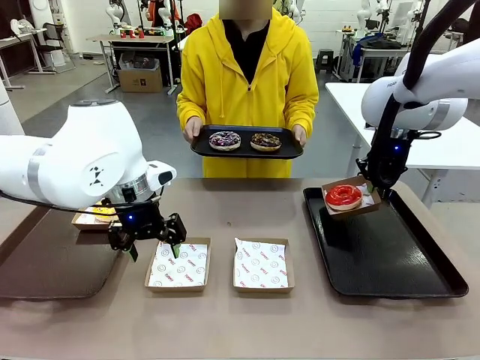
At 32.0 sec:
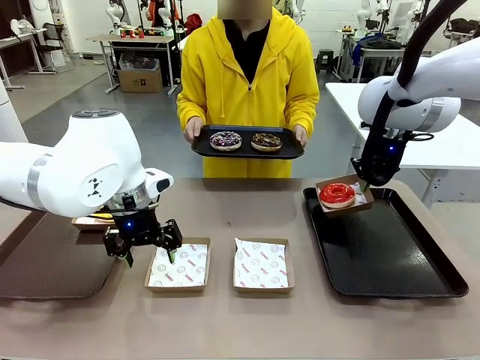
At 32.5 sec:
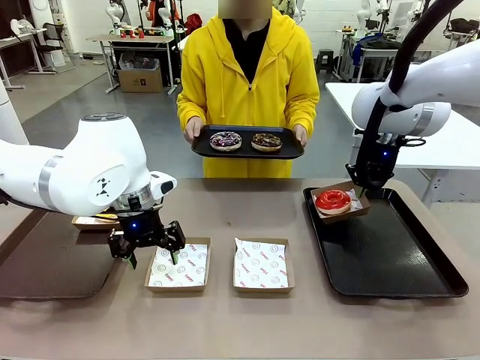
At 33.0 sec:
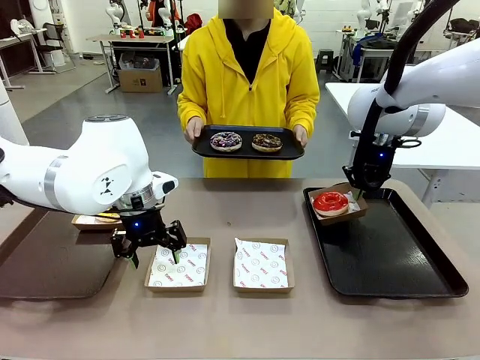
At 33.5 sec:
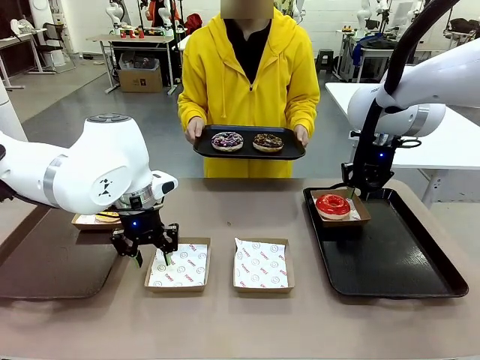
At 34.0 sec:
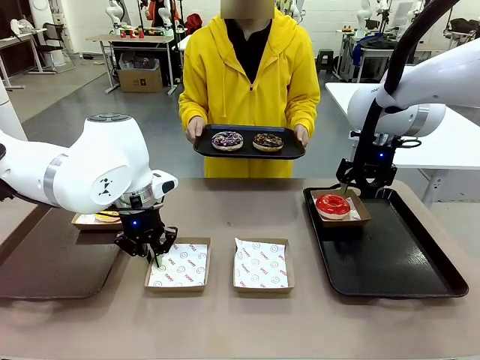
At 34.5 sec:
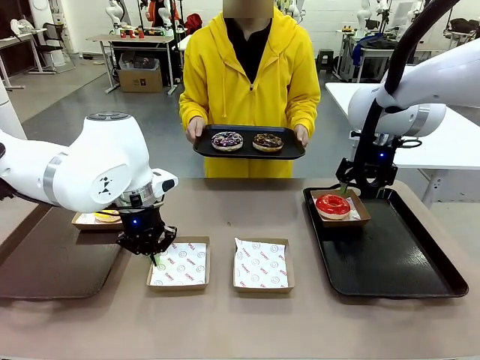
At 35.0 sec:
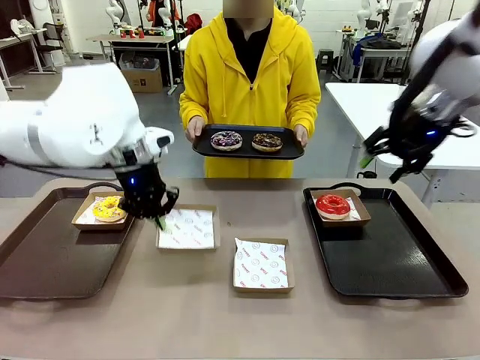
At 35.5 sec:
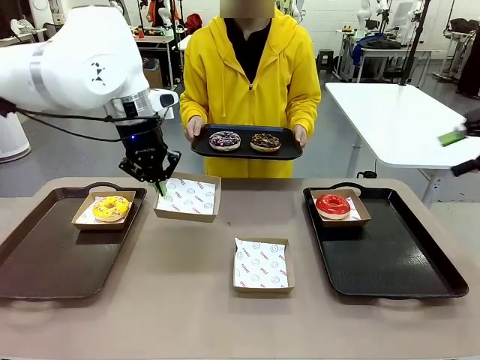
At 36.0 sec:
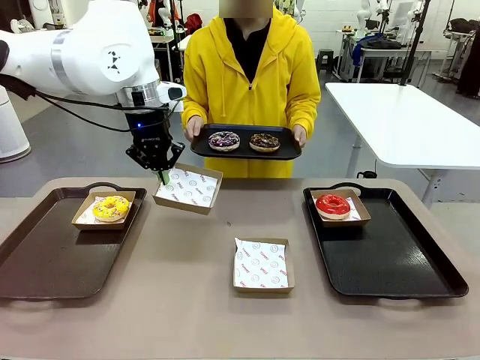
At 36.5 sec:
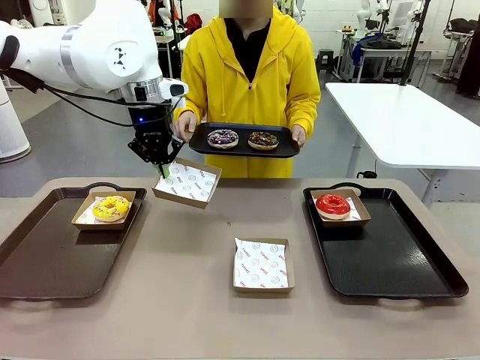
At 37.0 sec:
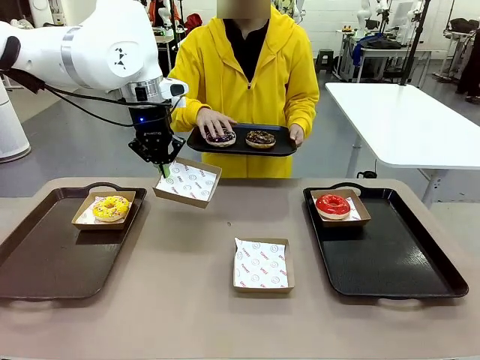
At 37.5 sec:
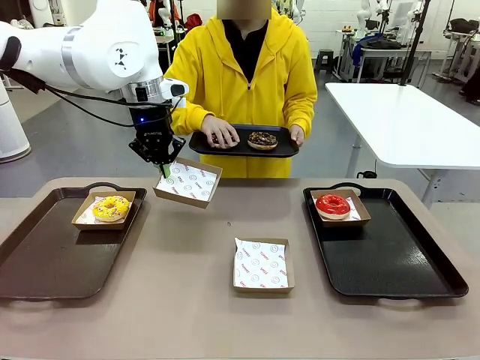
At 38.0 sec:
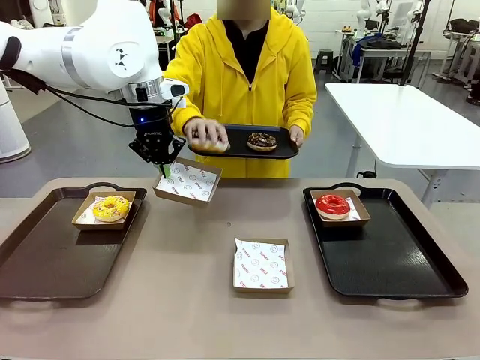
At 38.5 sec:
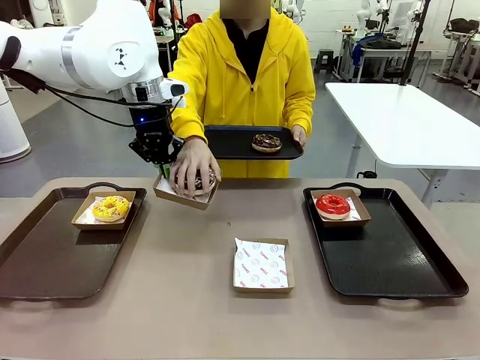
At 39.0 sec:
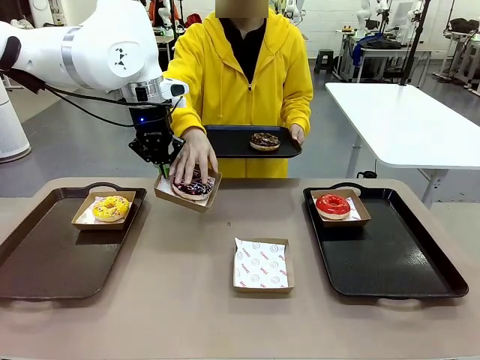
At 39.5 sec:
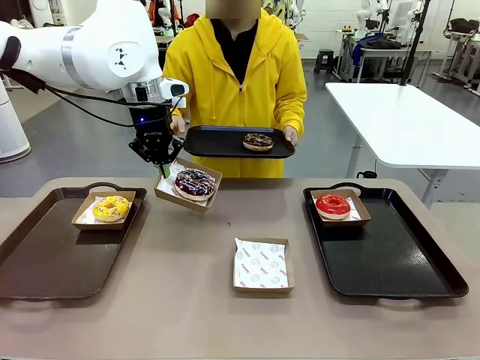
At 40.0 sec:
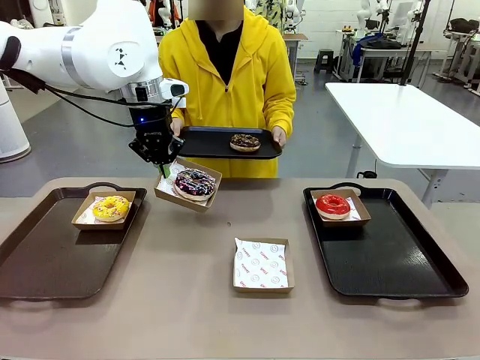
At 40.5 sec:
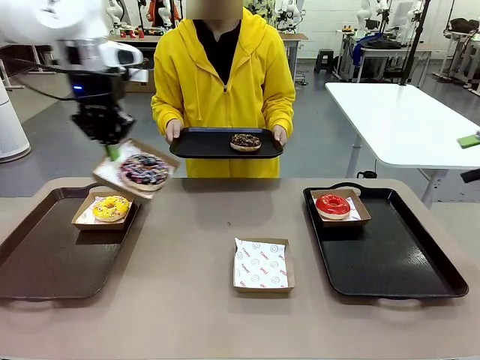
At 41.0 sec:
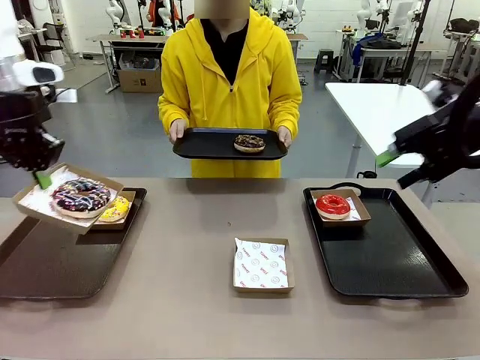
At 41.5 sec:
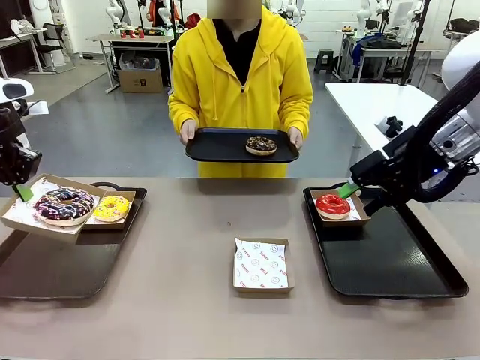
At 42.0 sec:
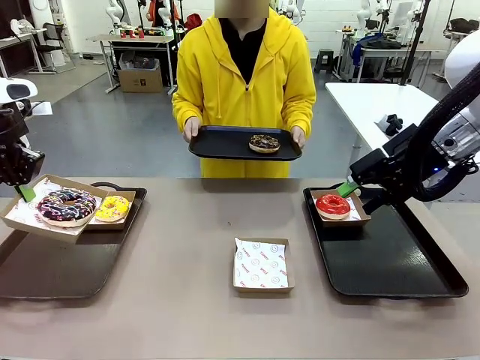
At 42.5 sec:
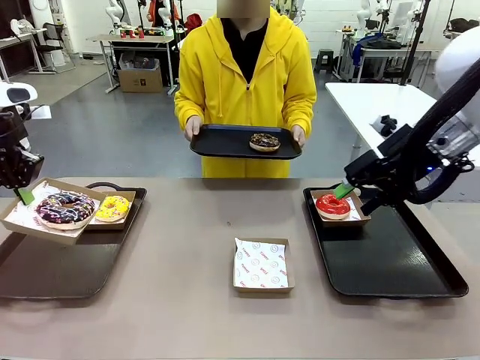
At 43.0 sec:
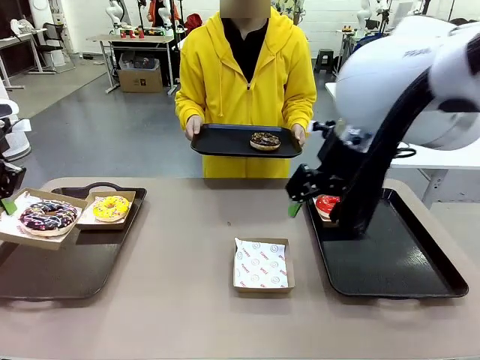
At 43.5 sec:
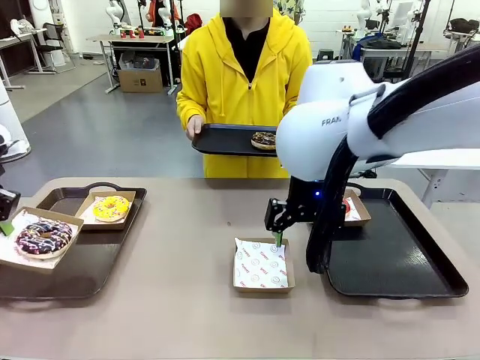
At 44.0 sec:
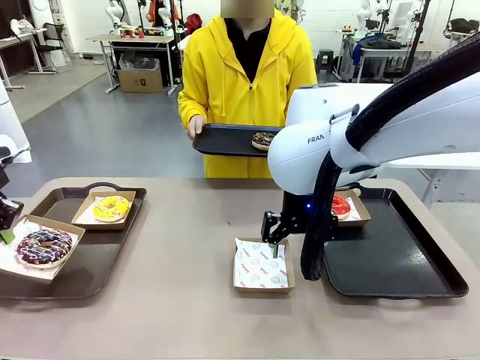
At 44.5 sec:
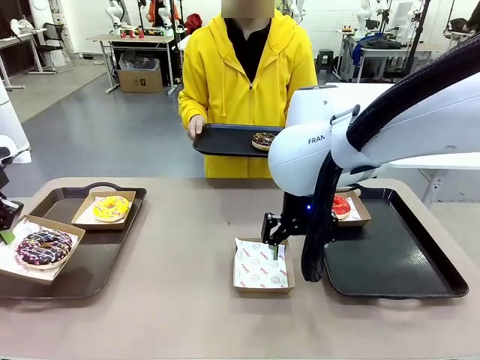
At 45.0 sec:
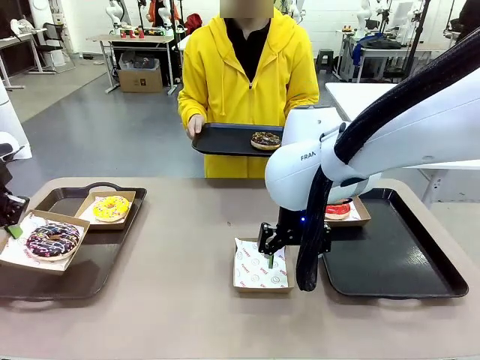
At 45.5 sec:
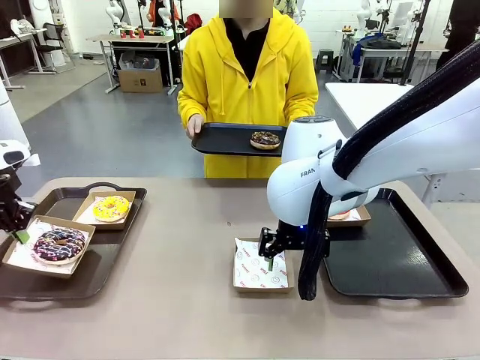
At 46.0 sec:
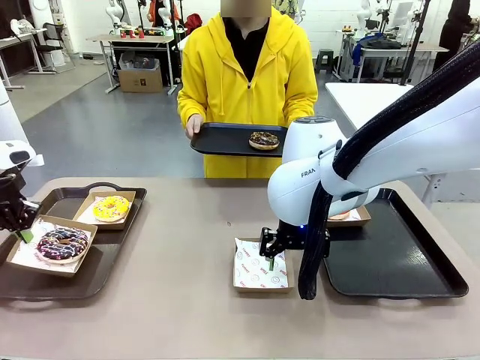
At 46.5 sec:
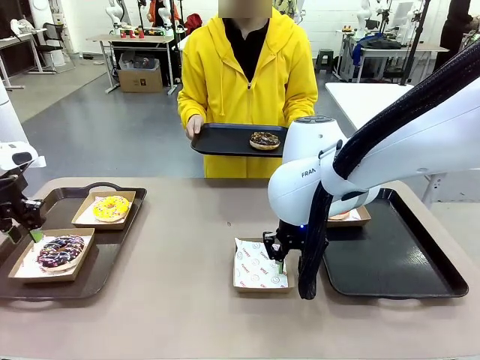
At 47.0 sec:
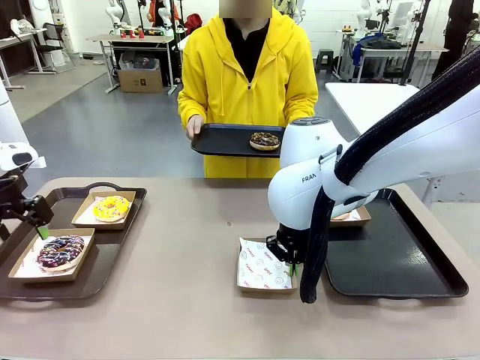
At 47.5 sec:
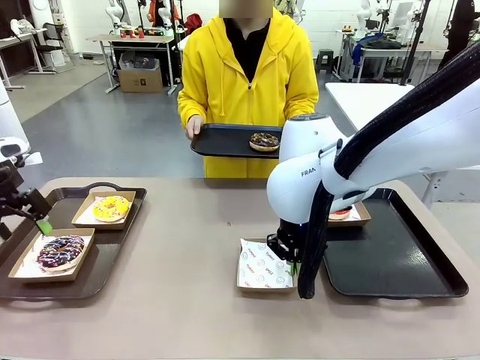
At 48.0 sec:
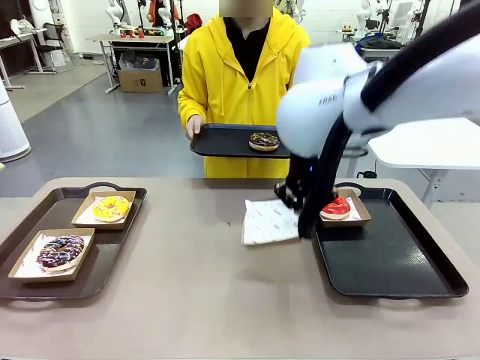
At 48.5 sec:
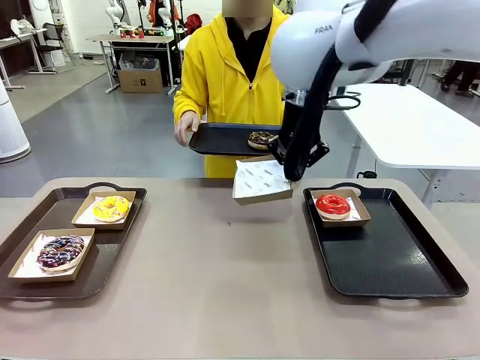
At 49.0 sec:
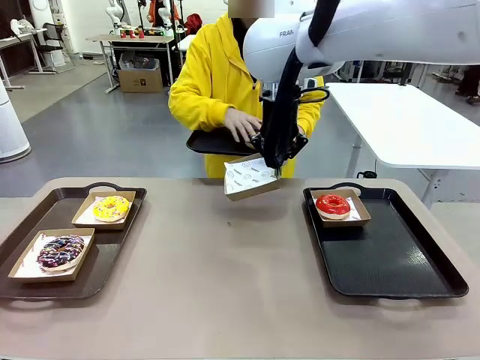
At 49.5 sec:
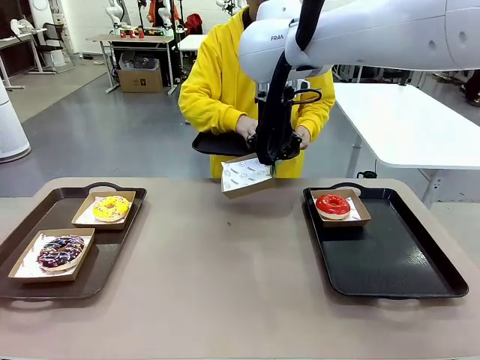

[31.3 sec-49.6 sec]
Task: Individually package the donuts and arrange them on the tray.
Robot: Place the picked Paper togo box on the Handle tray while simultaneously picking up another Paper togo box from the table with the other hand.

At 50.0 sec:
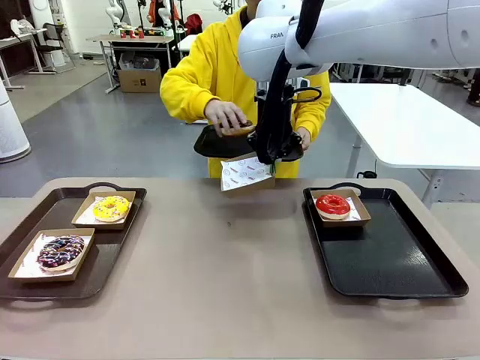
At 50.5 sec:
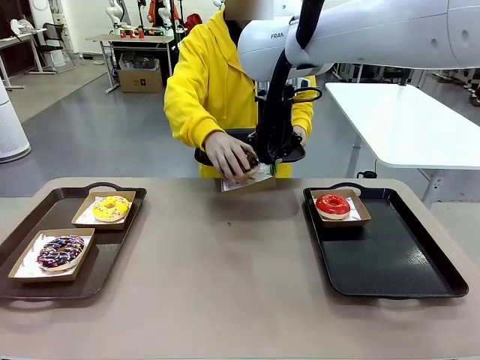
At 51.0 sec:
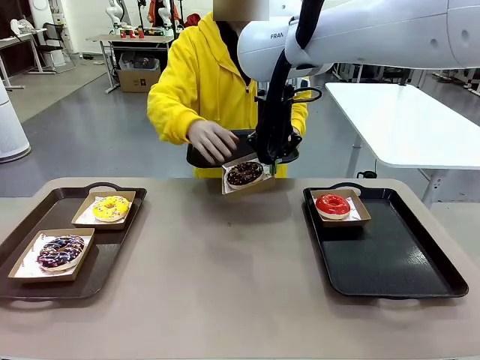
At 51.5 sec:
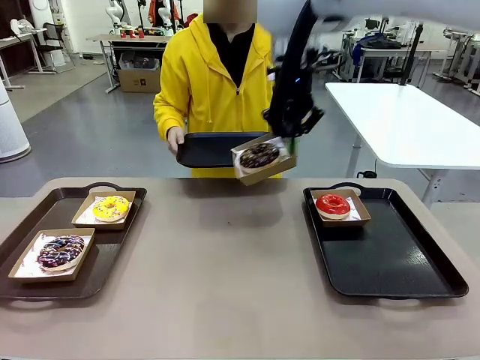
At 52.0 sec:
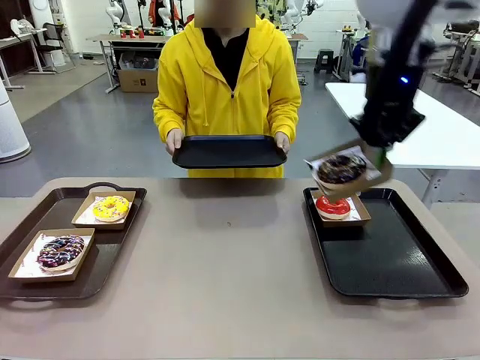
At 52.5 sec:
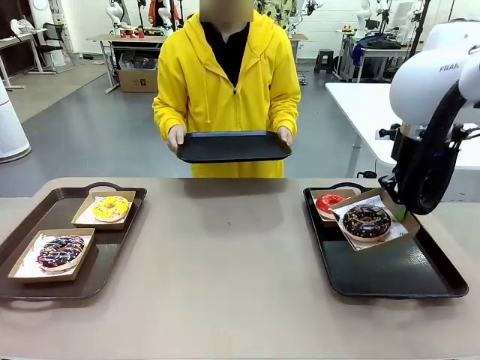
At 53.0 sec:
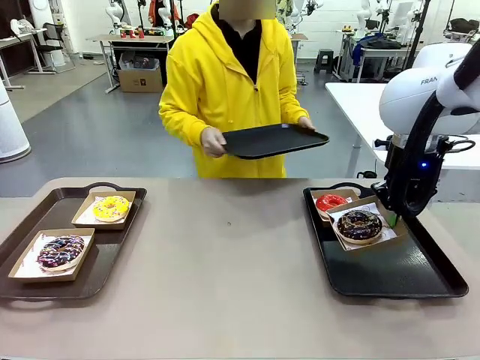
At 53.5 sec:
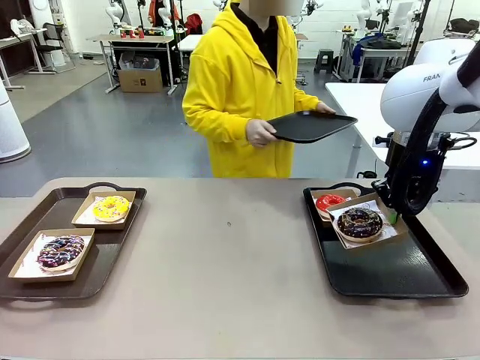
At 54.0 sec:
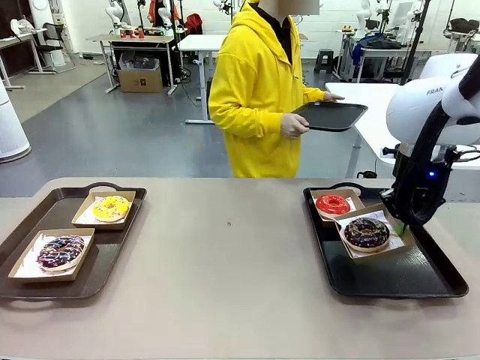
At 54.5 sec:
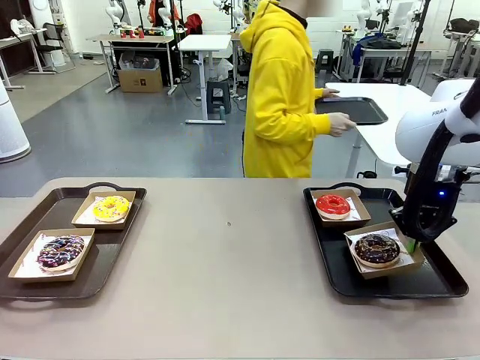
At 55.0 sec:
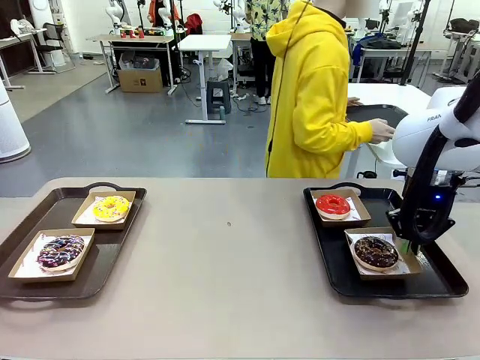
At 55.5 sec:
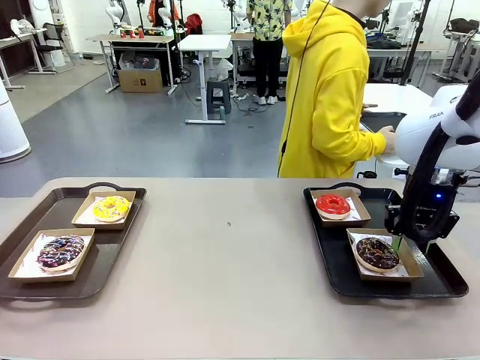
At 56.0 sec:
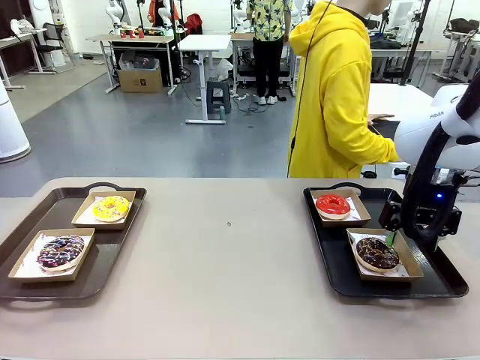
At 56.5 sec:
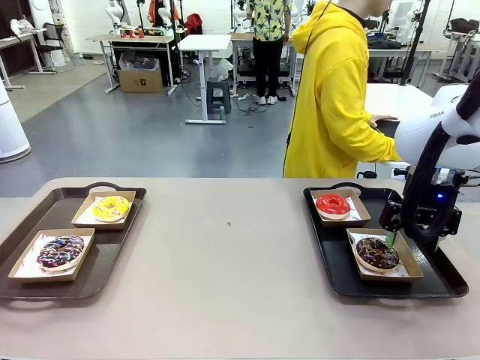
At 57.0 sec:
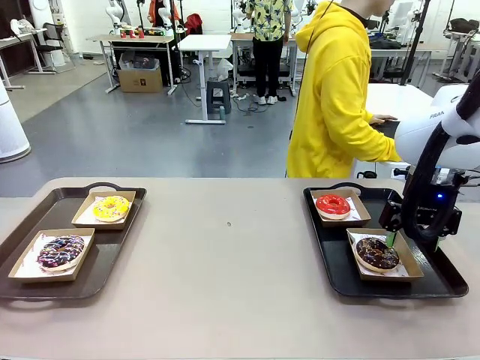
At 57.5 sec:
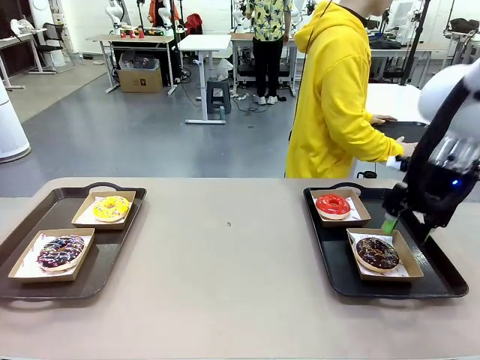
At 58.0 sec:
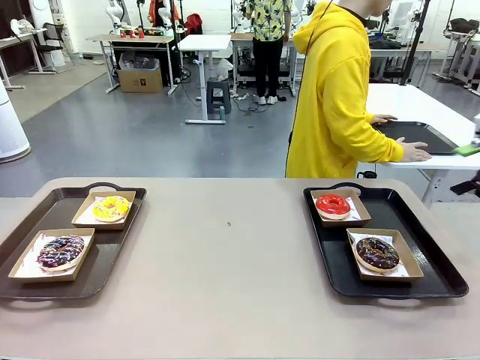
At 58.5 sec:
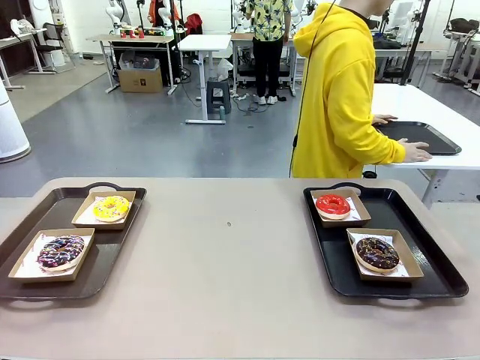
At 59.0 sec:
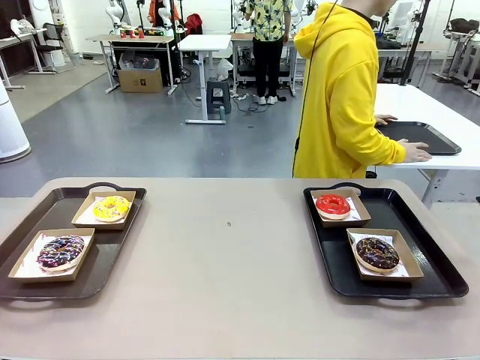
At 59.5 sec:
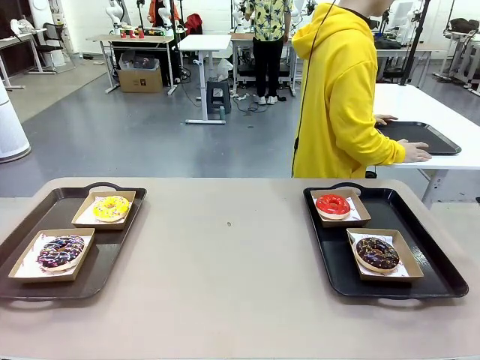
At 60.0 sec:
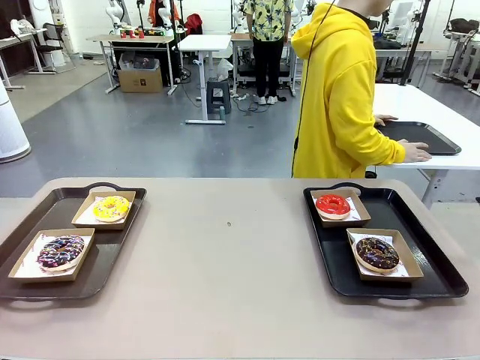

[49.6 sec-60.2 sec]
Robot: Place the picked Paper togo box on the Handle tray.
Person: Place the tray down in the middle of the human table.
